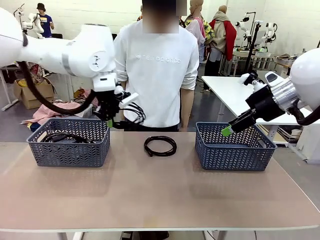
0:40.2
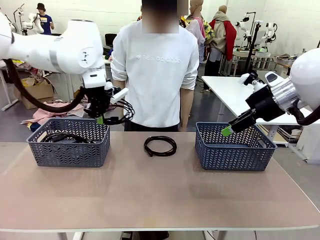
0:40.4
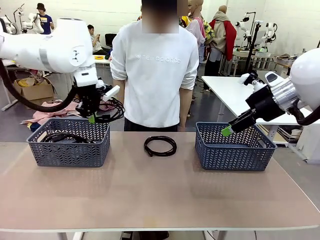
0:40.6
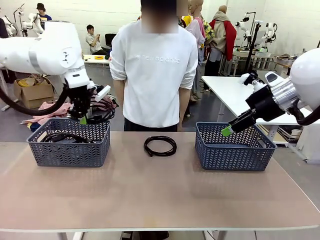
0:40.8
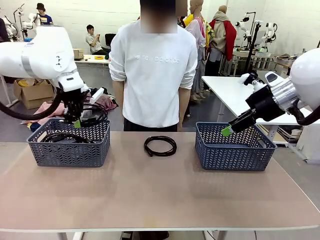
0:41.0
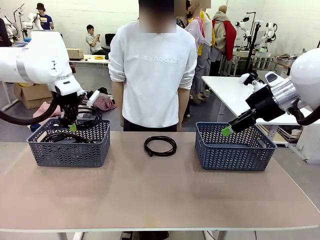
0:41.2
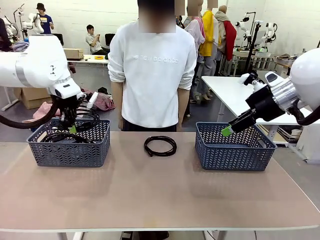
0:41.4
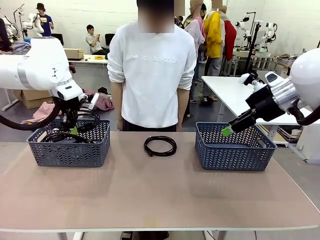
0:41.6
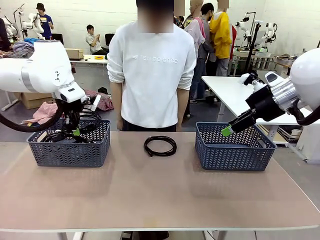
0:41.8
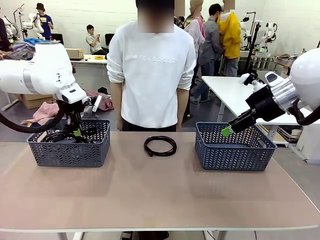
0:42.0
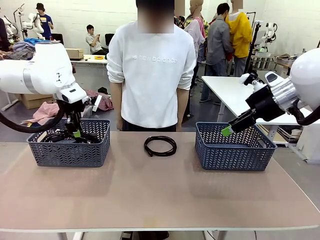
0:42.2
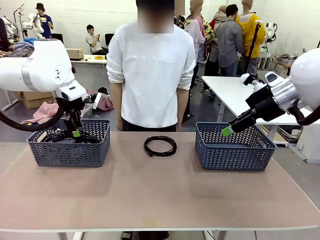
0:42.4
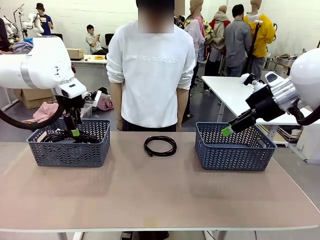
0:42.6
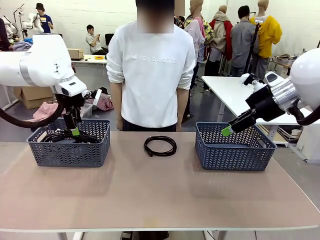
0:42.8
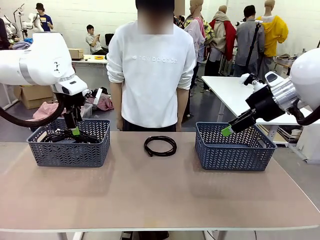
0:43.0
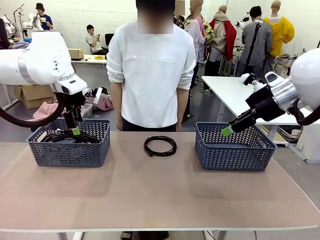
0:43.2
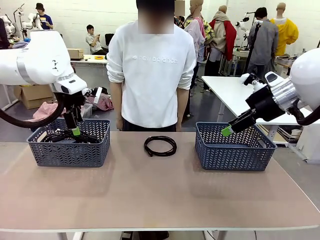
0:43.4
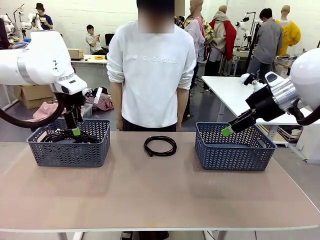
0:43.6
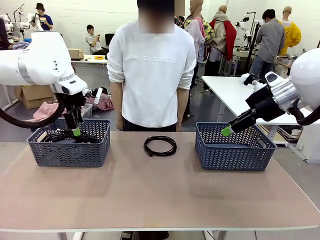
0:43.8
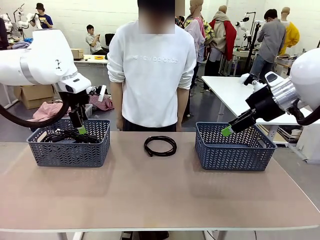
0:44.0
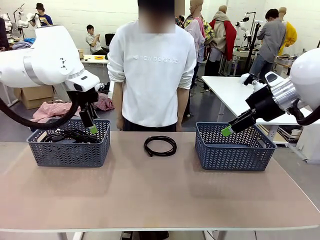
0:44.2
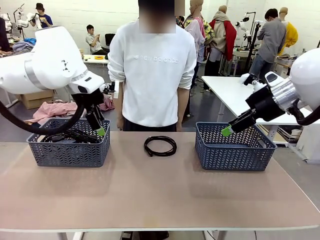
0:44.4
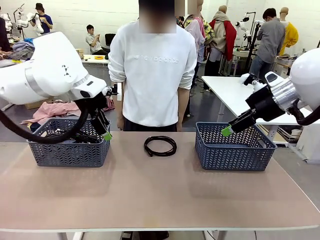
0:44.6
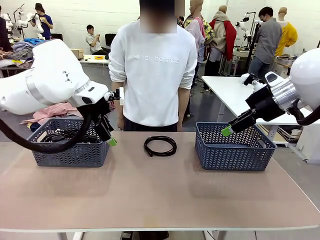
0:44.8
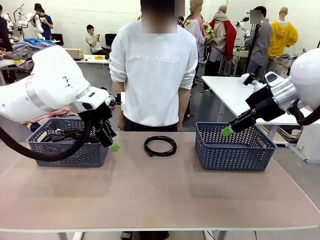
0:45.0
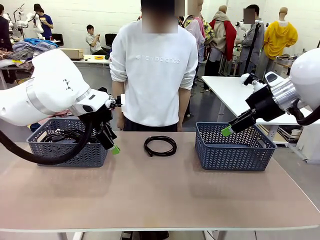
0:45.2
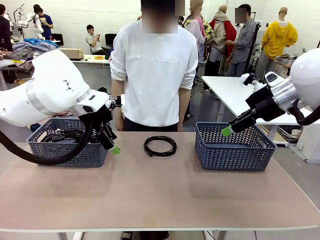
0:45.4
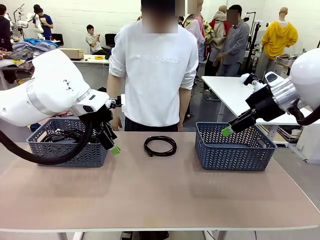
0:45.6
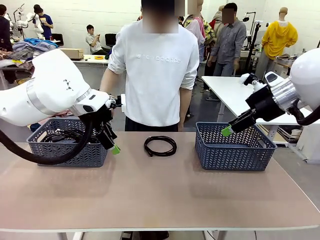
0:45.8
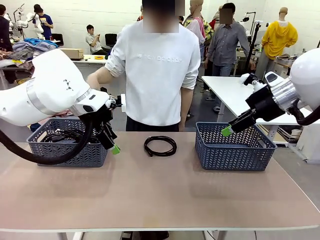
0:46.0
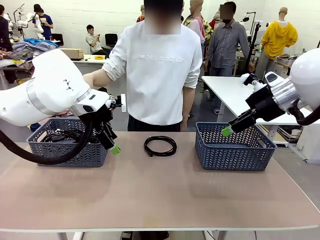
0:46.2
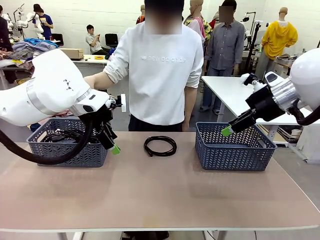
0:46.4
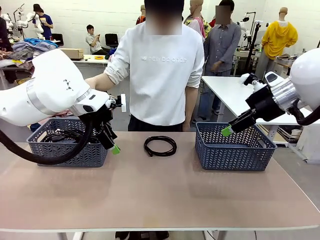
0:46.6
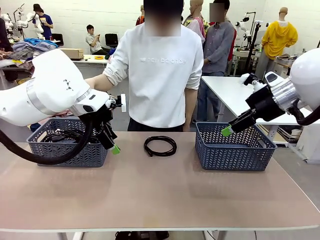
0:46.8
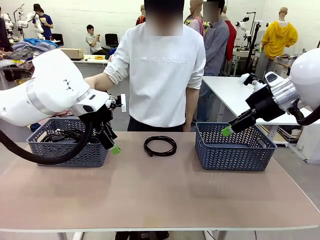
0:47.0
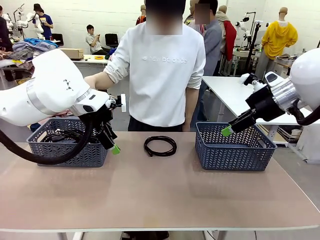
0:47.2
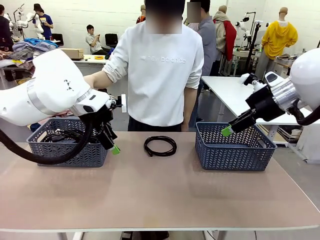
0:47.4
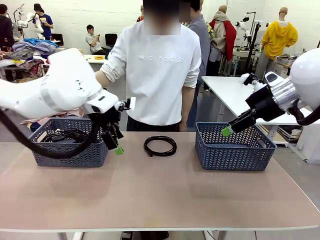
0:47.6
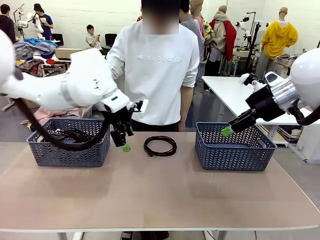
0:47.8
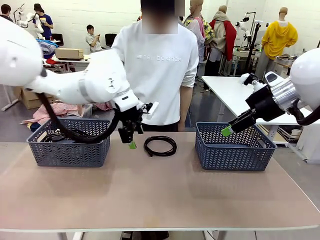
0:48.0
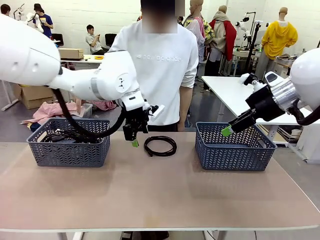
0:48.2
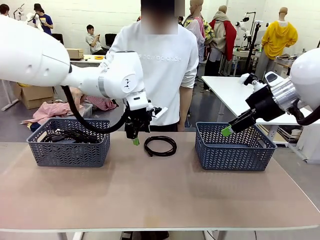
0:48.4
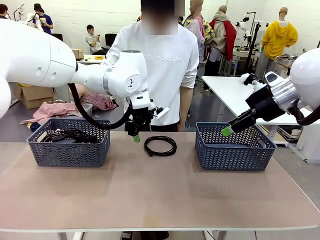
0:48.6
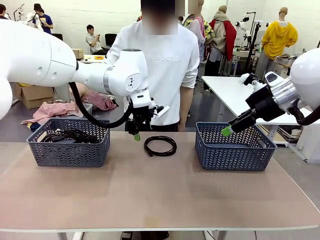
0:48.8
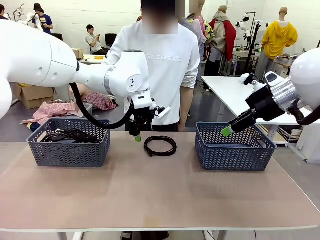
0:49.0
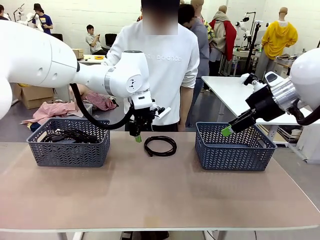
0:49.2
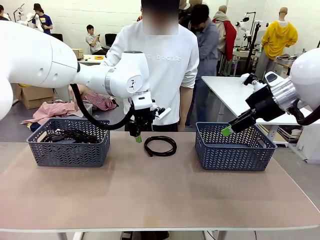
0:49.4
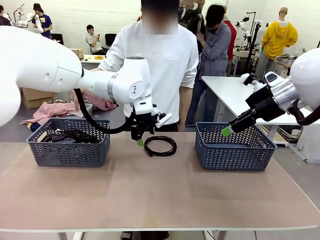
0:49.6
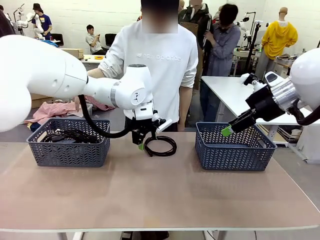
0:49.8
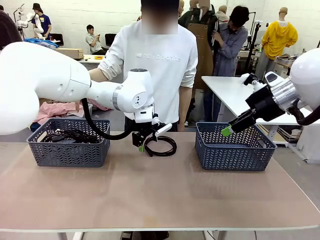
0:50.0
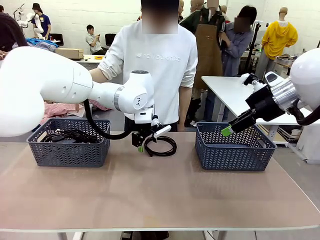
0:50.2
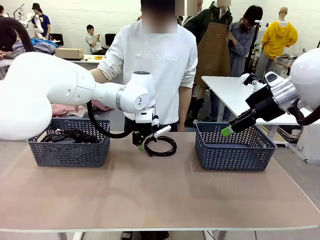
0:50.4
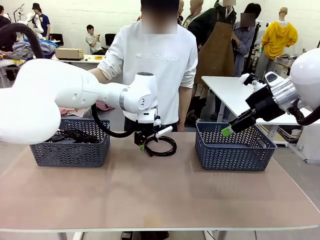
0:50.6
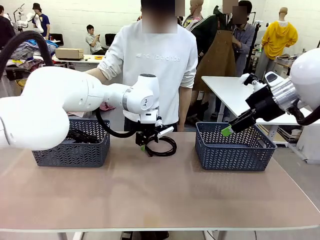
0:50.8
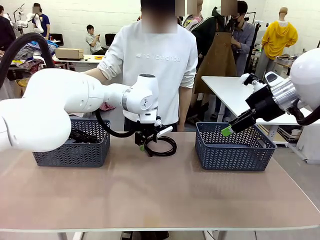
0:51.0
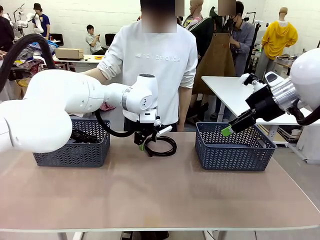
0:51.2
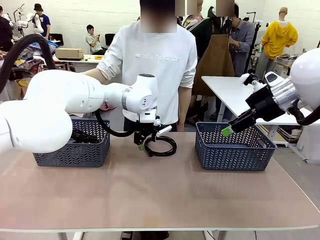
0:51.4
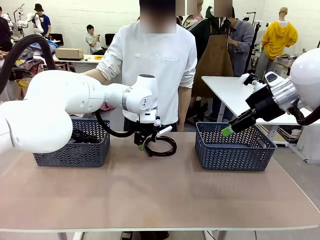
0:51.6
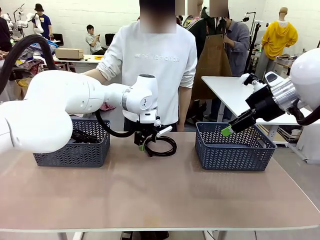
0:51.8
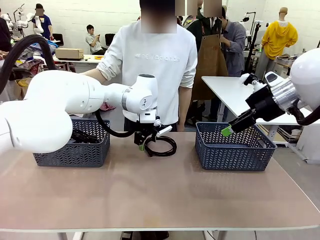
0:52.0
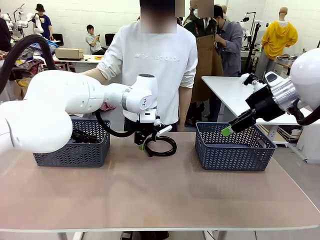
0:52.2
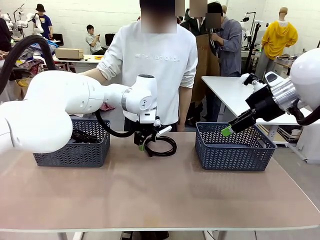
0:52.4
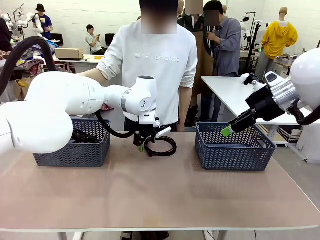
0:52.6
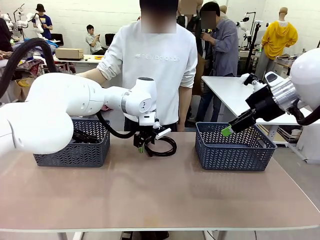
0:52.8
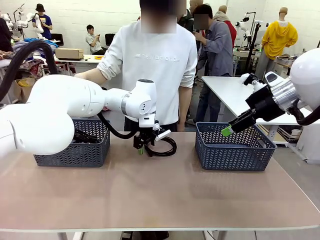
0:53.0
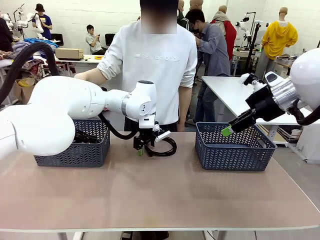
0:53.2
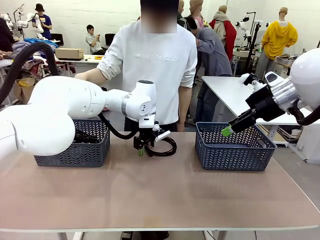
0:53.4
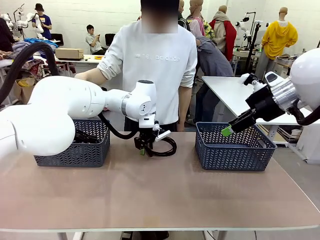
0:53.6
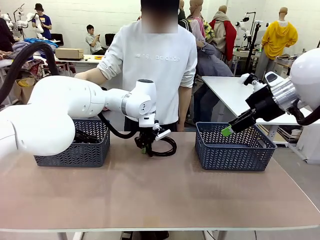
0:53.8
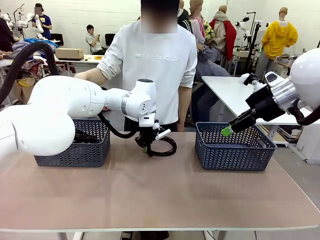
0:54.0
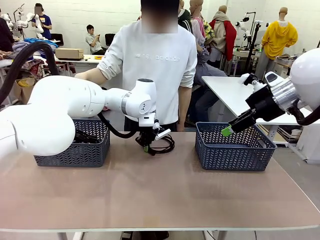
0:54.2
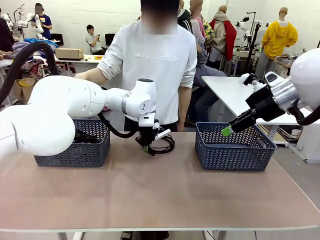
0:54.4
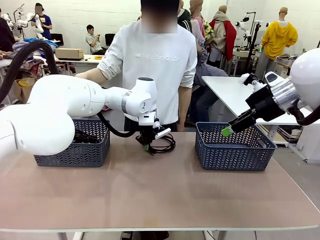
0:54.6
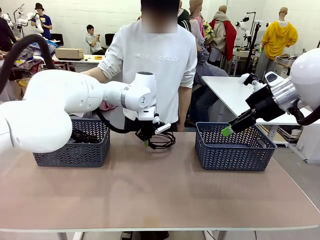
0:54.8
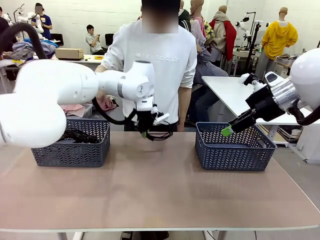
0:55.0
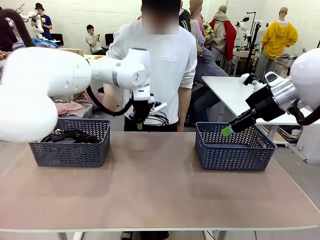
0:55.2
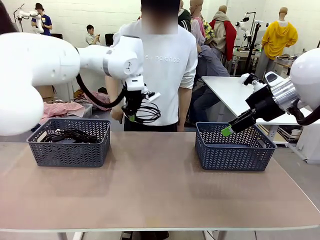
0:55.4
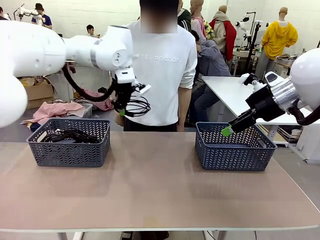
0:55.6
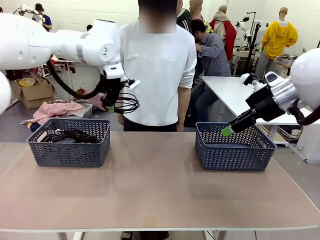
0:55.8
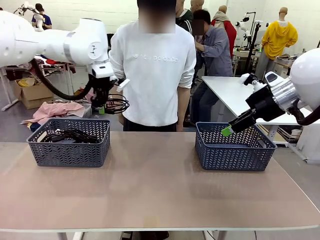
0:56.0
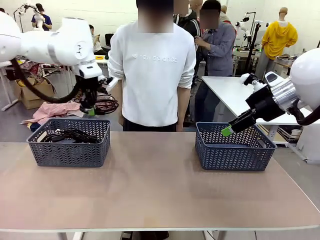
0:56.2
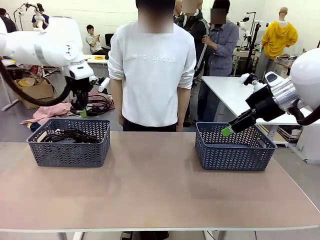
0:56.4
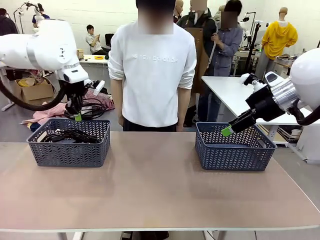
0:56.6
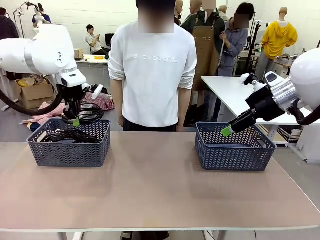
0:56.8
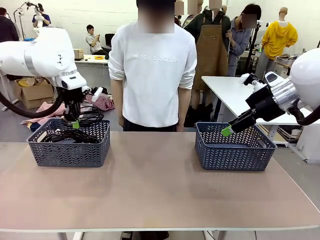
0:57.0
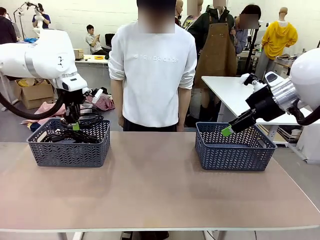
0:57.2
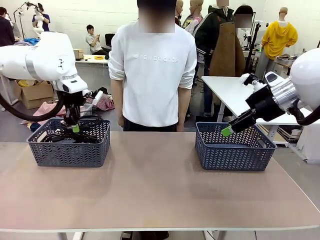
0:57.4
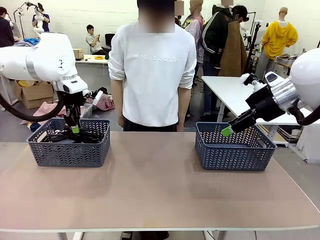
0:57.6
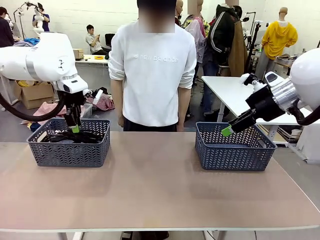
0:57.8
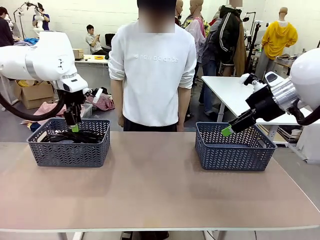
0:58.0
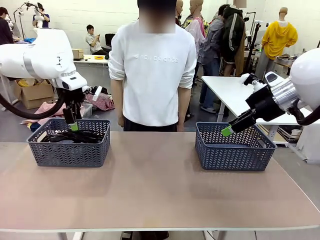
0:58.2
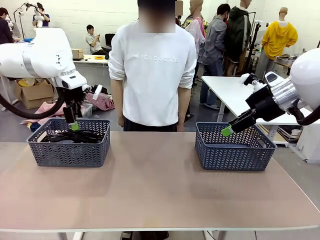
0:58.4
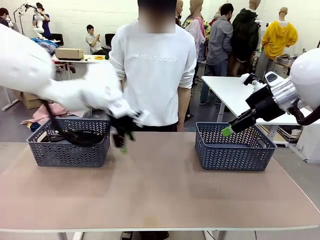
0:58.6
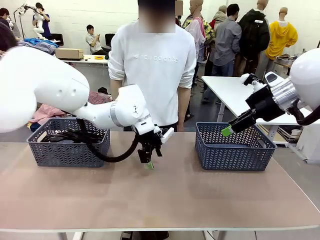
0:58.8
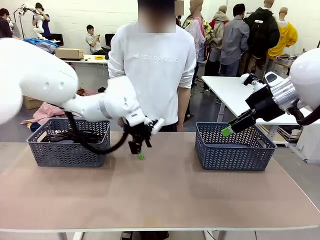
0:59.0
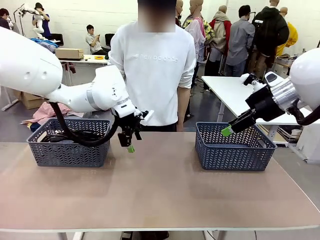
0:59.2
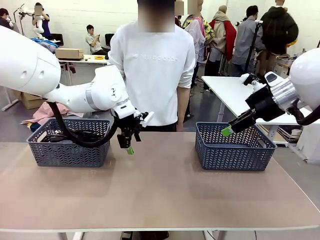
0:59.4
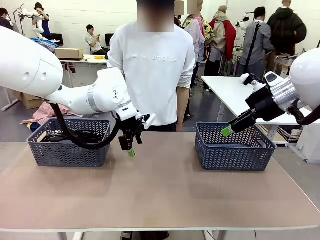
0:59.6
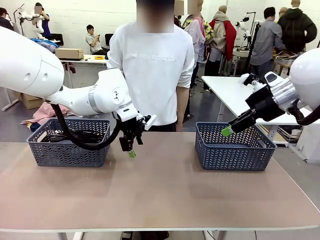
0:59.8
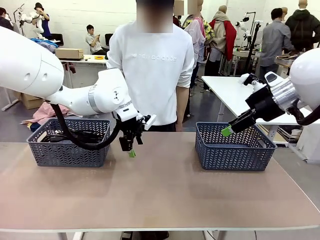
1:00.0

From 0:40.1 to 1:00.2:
Task: Organize the cables according to human instructions.
Robot: Pick up a bundle of cables and place it in the basket indicated by the human.
